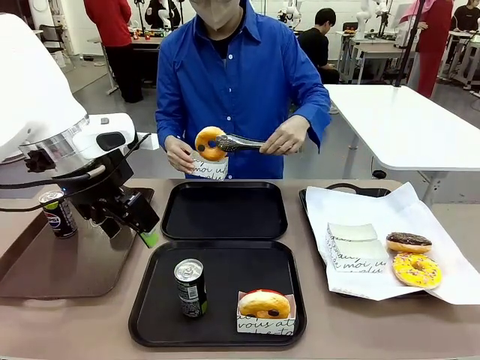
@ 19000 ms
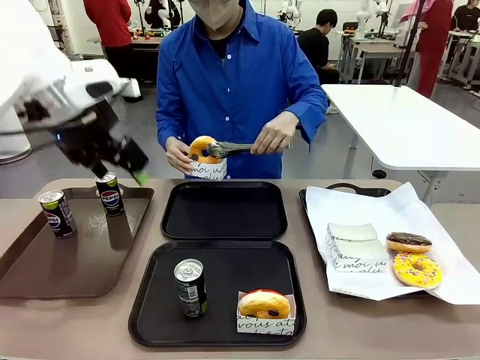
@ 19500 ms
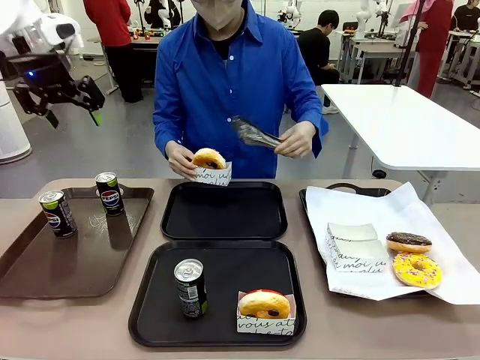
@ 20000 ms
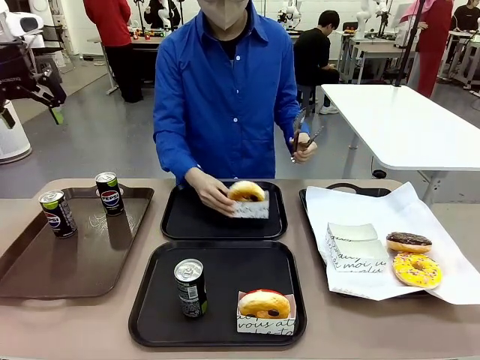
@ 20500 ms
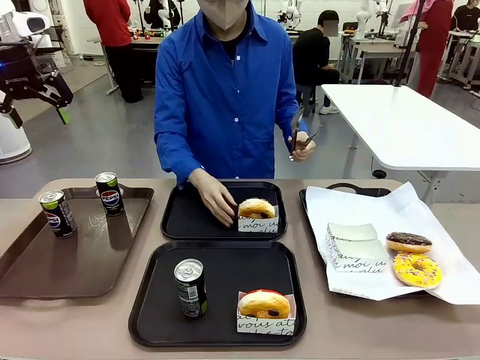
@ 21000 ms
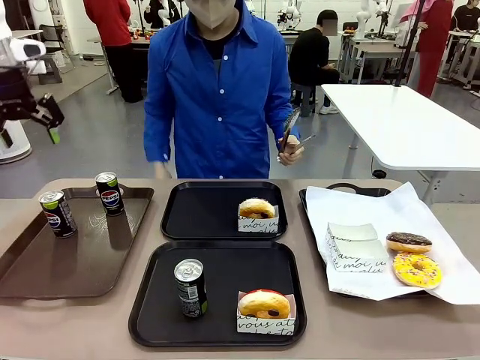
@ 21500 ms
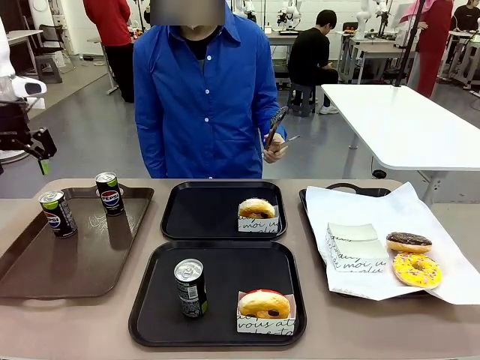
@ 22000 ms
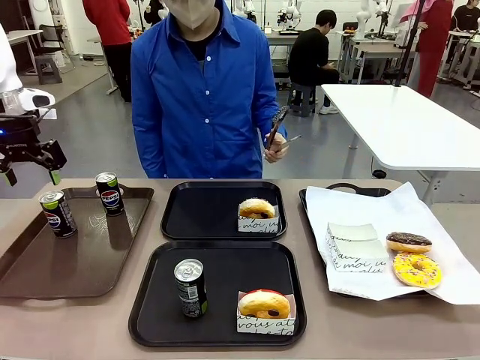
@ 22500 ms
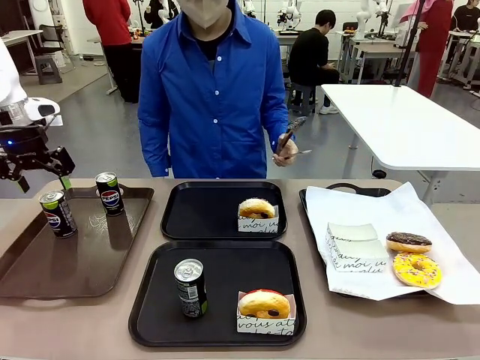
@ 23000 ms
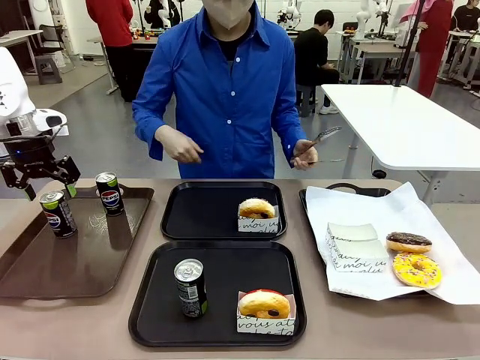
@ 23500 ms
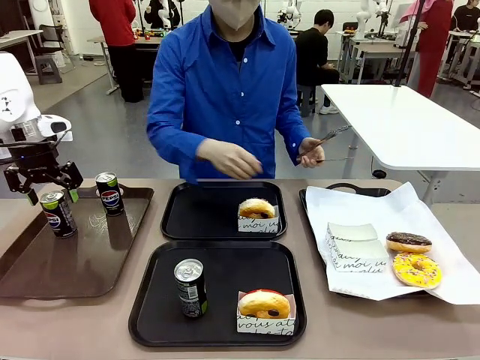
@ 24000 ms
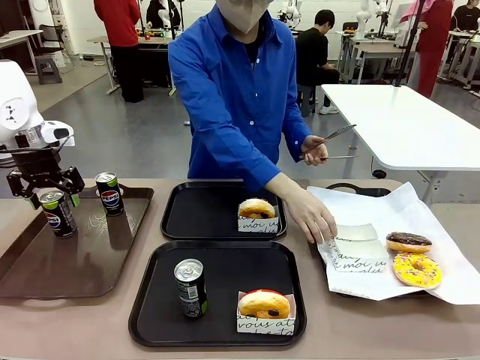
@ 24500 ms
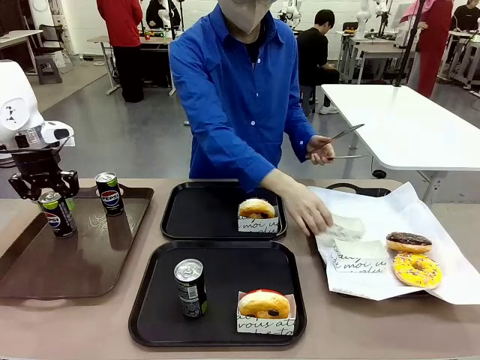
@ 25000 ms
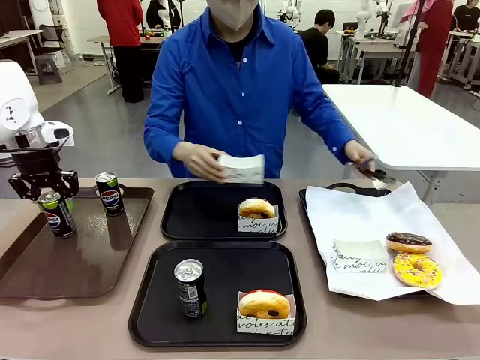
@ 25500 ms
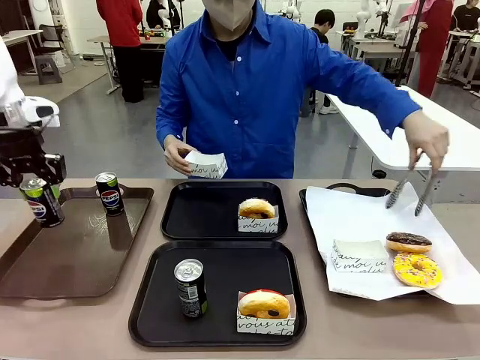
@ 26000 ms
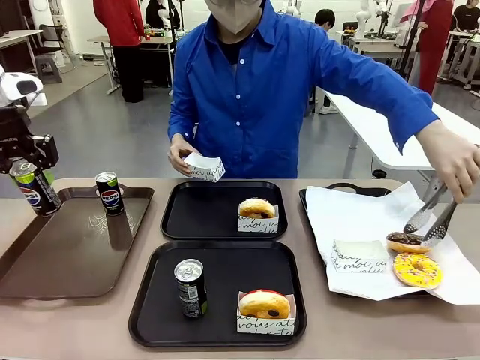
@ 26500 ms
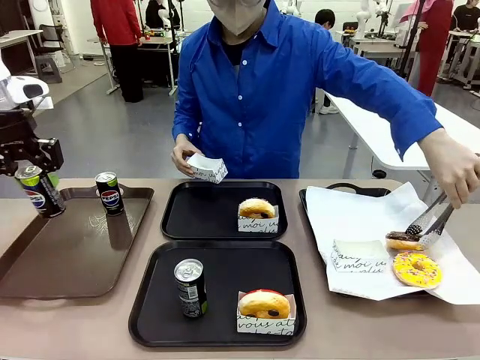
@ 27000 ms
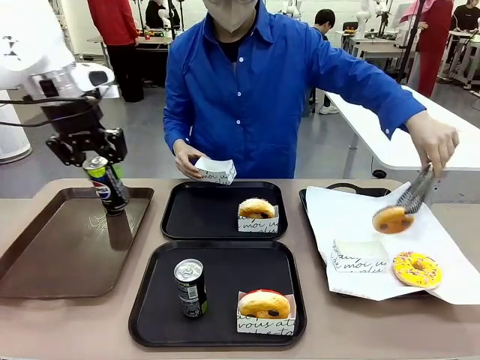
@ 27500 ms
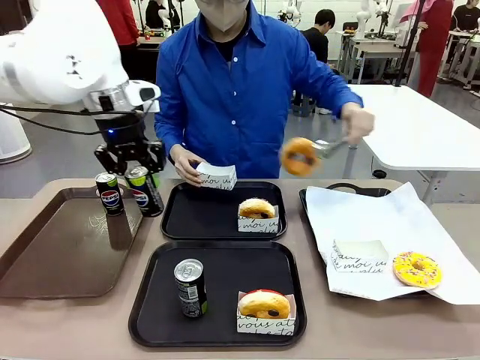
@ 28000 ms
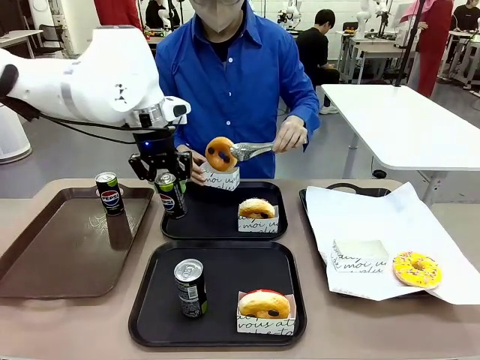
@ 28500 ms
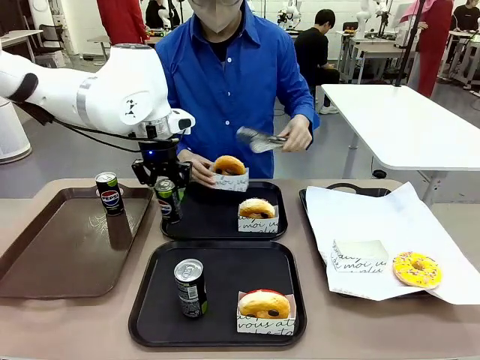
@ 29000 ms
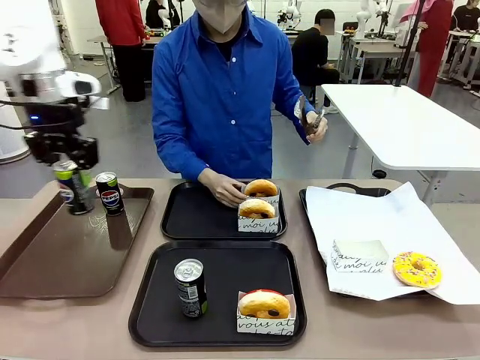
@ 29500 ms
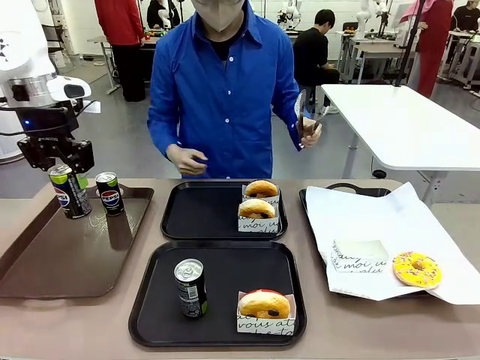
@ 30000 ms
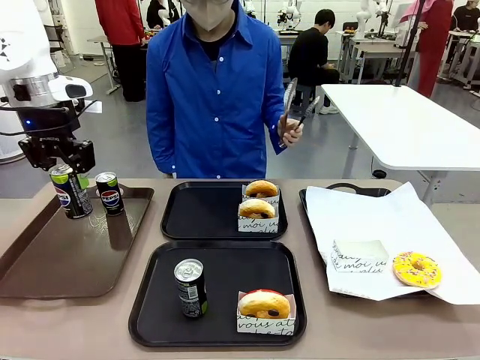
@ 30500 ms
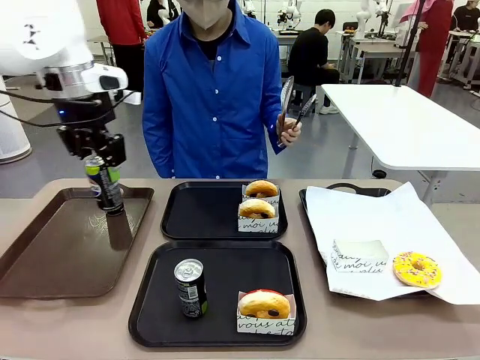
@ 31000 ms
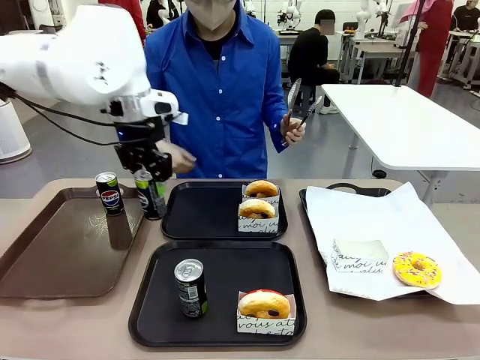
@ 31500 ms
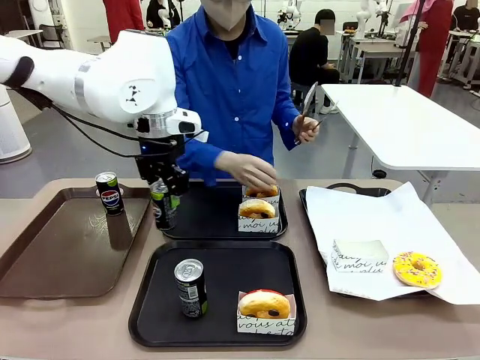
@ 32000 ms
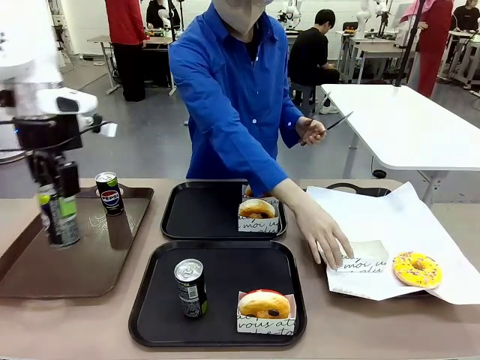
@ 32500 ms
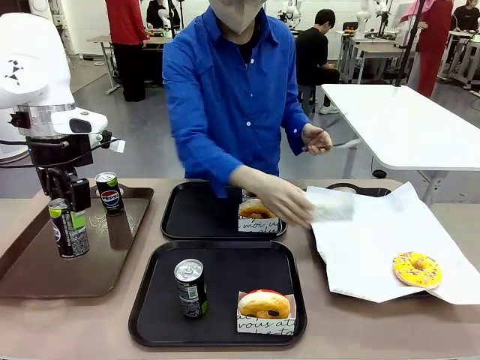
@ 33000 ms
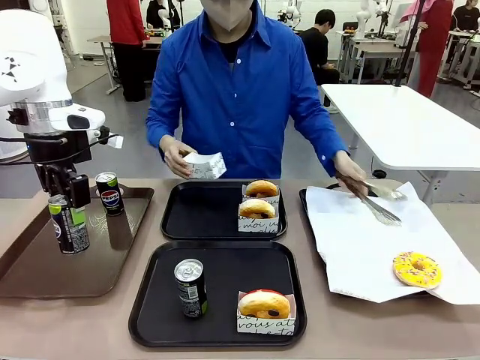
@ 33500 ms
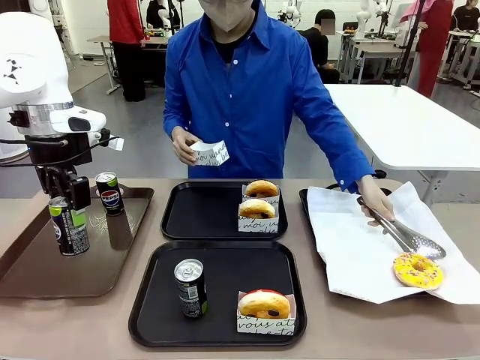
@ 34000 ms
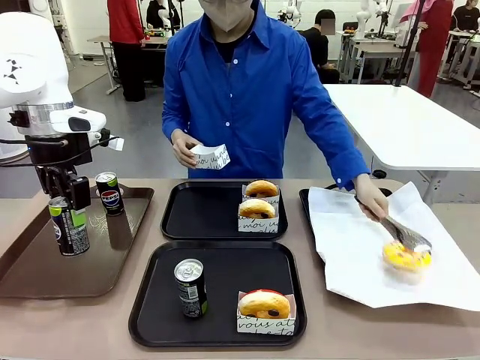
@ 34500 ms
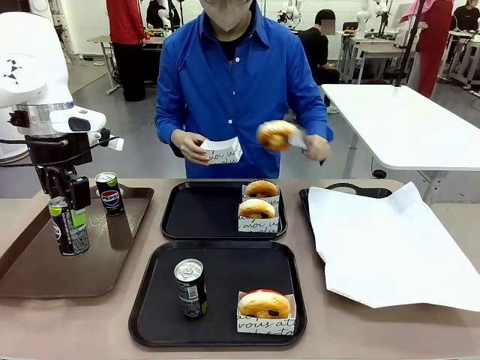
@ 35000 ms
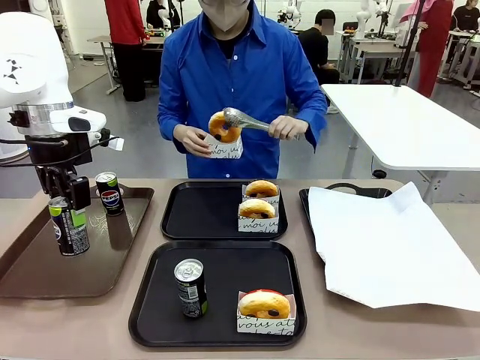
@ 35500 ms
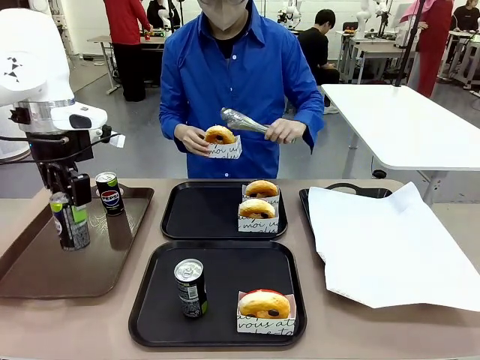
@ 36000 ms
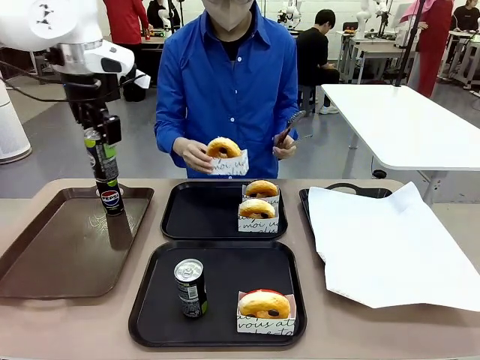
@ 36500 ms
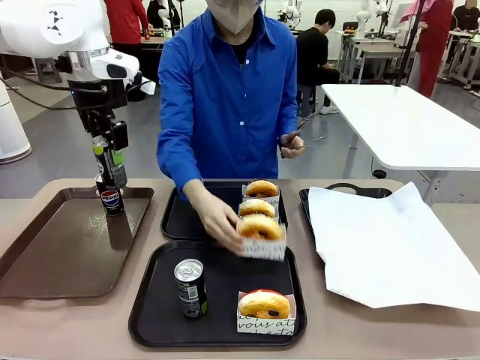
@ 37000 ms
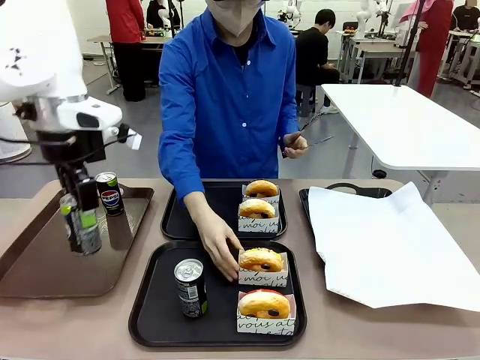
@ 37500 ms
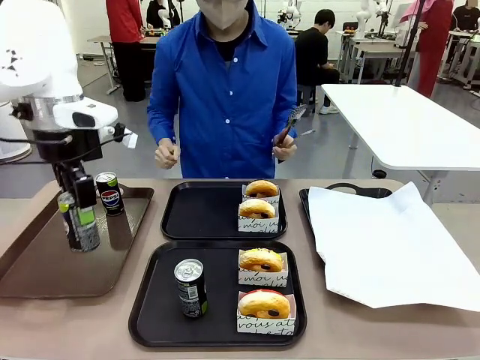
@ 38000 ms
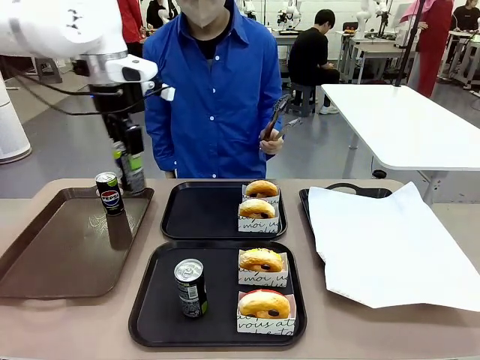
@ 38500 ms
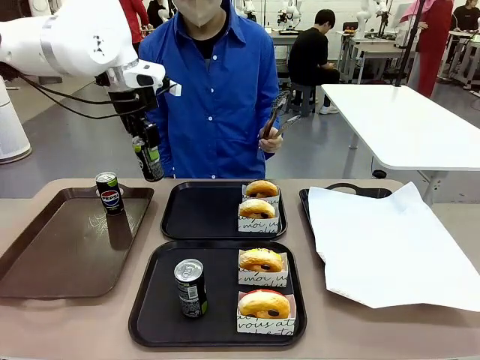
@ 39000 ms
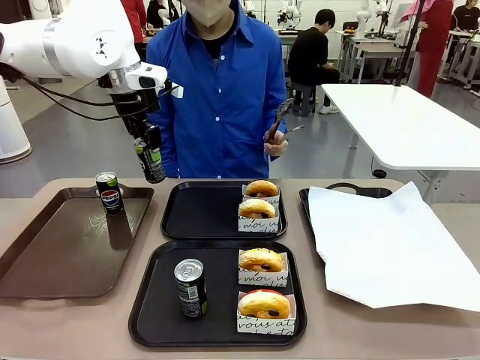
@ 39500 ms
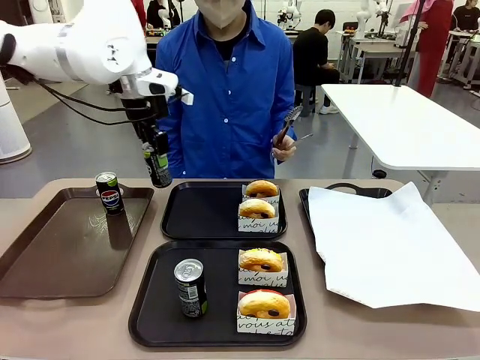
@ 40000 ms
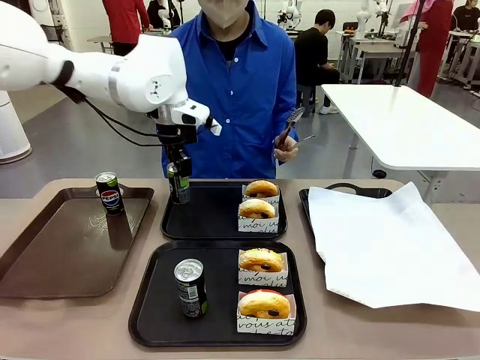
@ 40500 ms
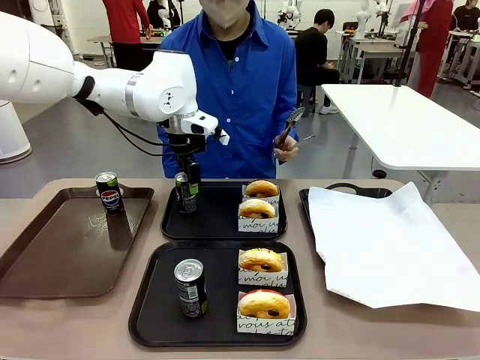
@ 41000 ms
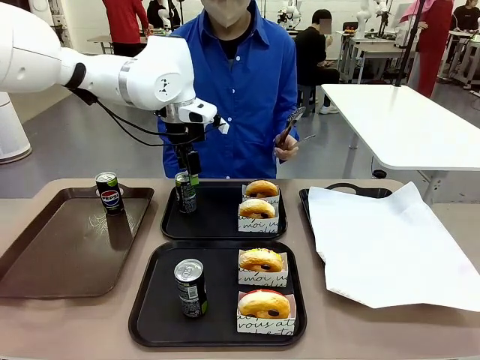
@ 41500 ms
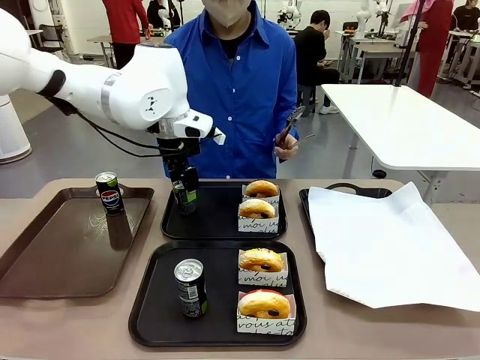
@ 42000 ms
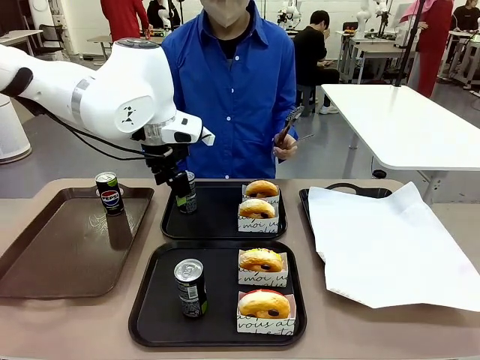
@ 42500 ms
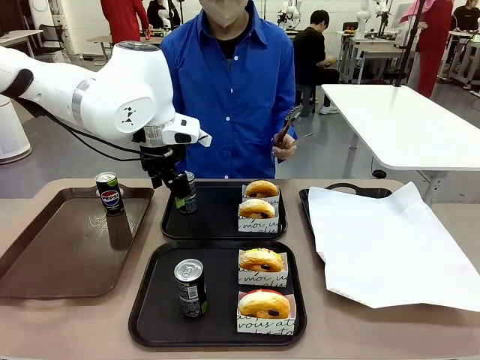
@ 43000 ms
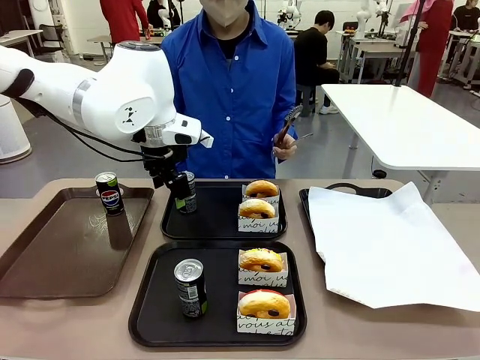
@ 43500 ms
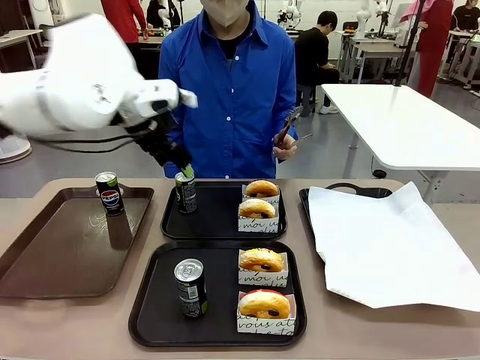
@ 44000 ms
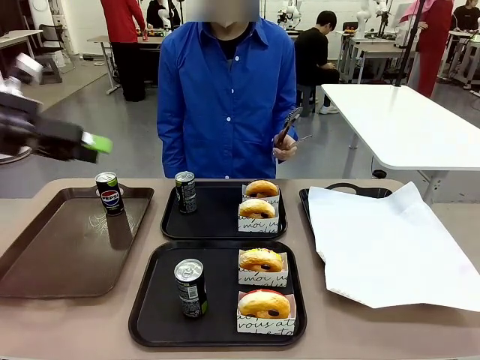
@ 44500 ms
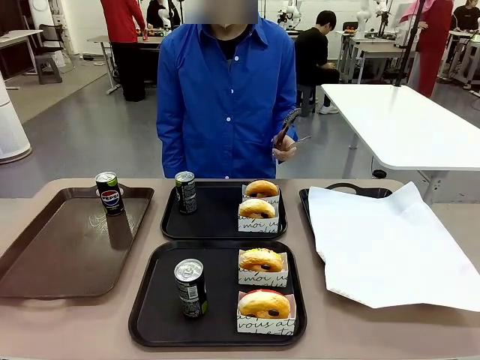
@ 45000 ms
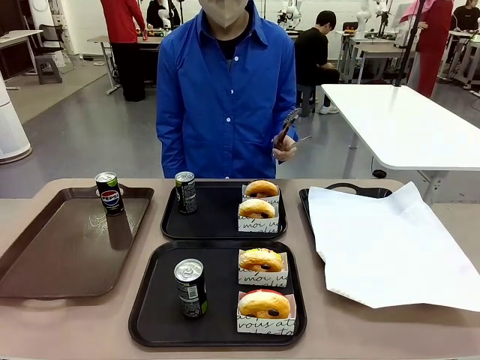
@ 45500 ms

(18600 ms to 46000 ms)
Task: Set up donuts and drinks on trays.
Robot: Pick up one Pepsi coke from the Handle tray and place it on the Flat Tray without a Pepsi coke.
Person: Pick up one donut with tongs, place it in the donut tray, and then place the donut tray on the flat tray.
